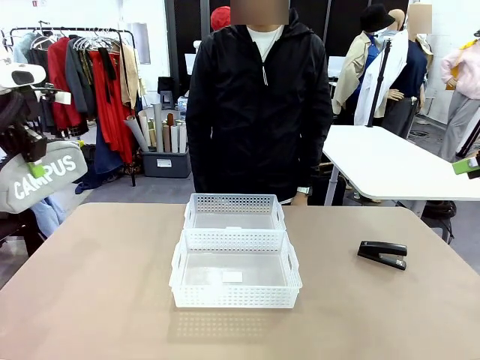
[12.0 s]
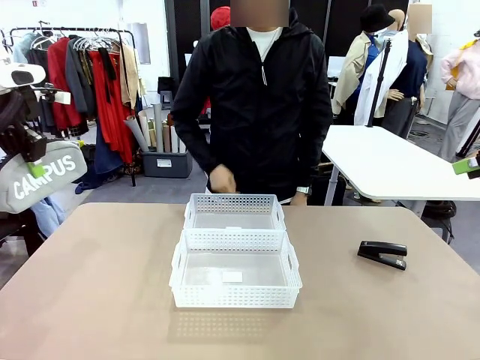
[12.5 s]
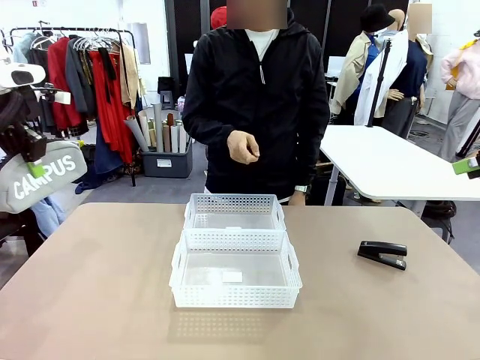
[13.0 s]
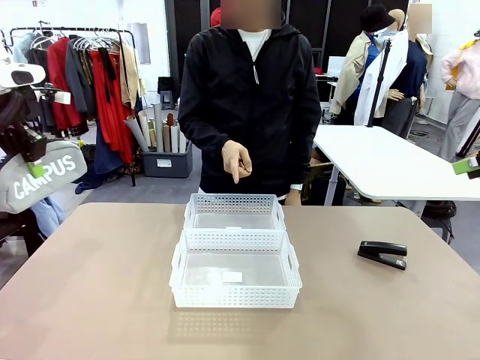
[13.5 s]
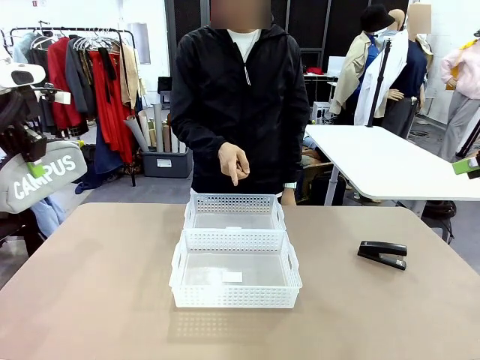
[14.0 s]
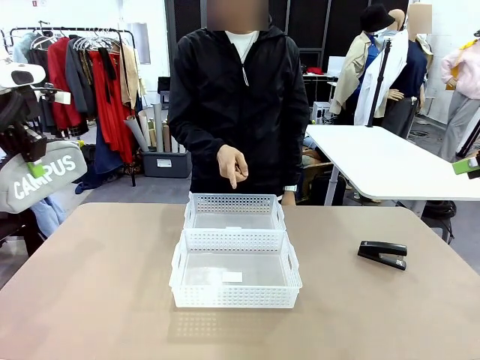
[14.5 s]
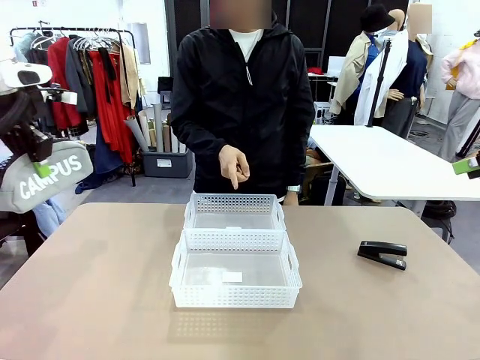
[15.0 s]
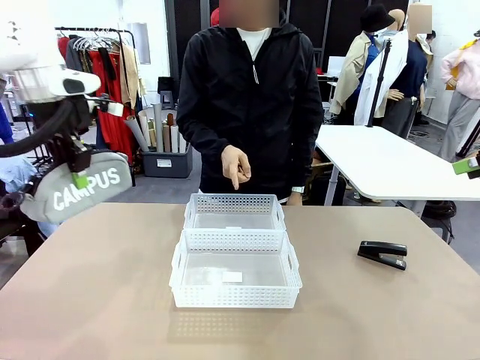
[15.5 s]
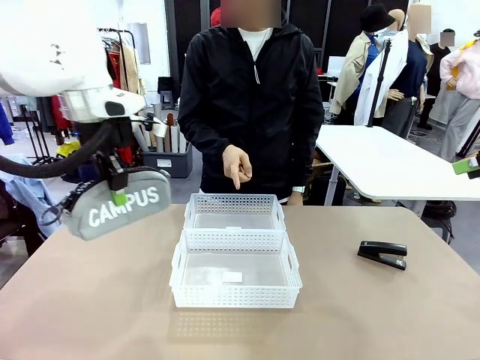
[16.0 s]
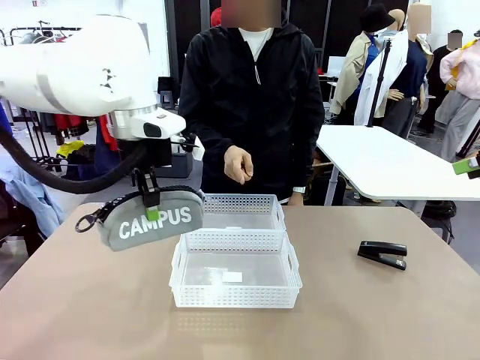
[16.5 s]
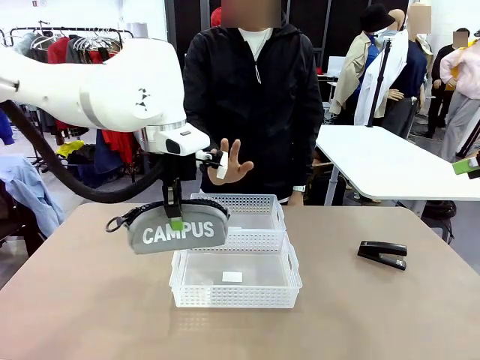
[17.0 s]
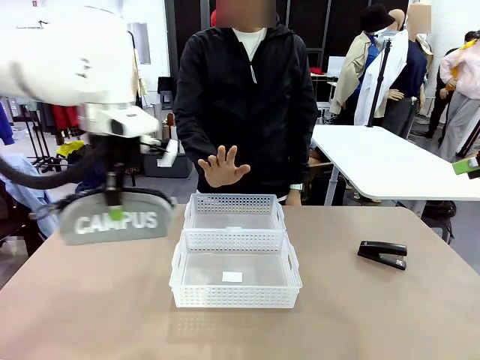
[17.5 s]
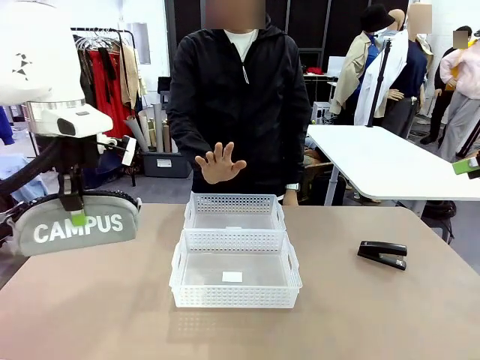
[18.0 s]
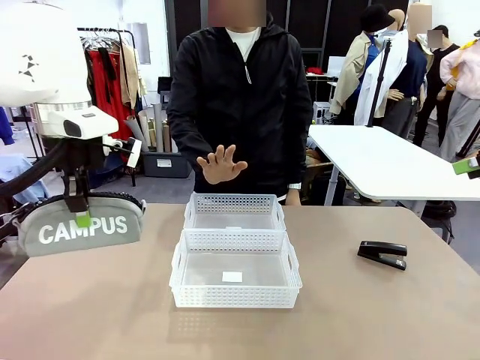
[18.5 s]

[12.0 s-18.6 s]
Task: Distribute items into two baskets.
Robot: Move the picked Pencil pouch towards the Organizing basket indicated by the person, stopping as directed.
Person: Sends a stop gesture before the robot places the pencil case into the basket.

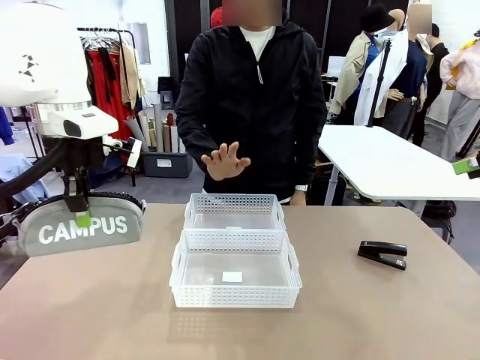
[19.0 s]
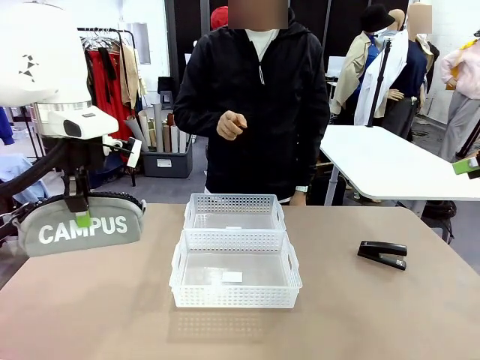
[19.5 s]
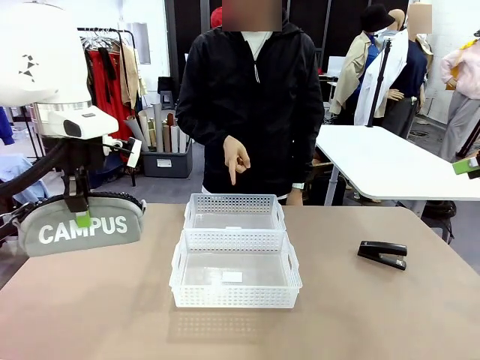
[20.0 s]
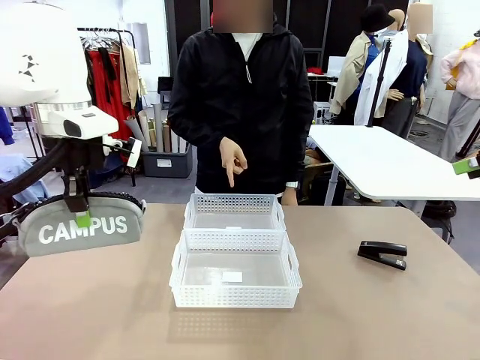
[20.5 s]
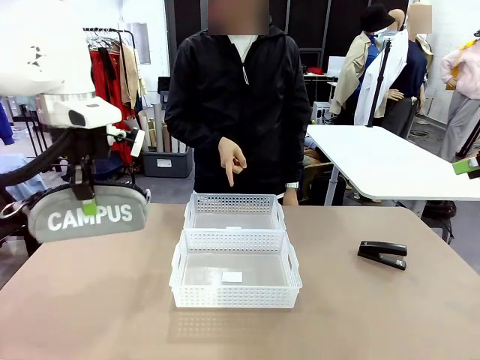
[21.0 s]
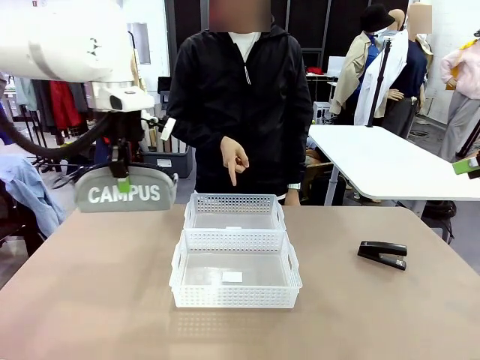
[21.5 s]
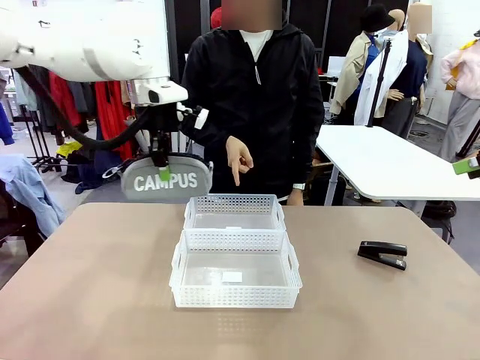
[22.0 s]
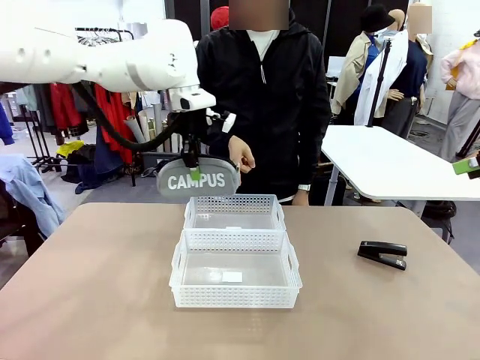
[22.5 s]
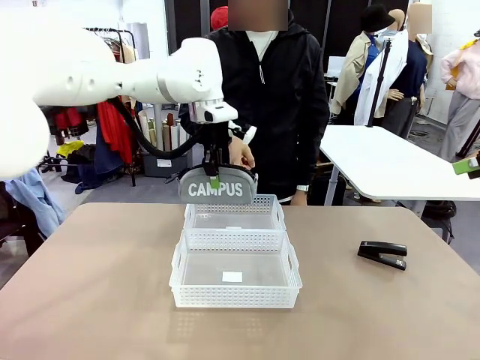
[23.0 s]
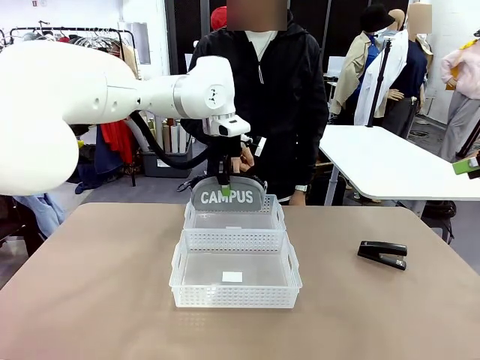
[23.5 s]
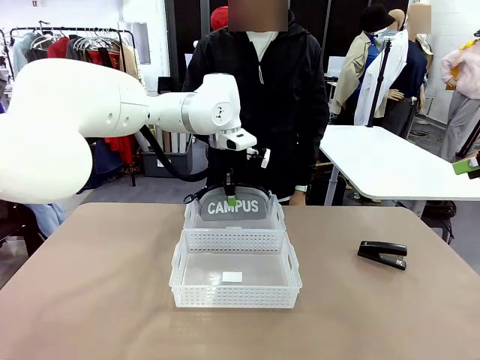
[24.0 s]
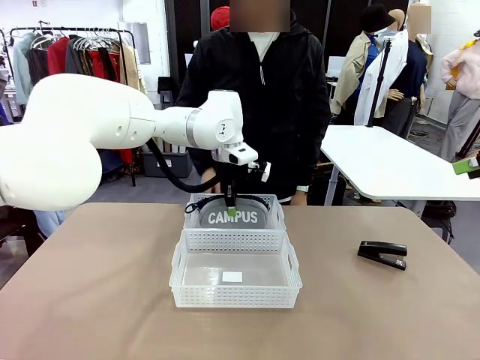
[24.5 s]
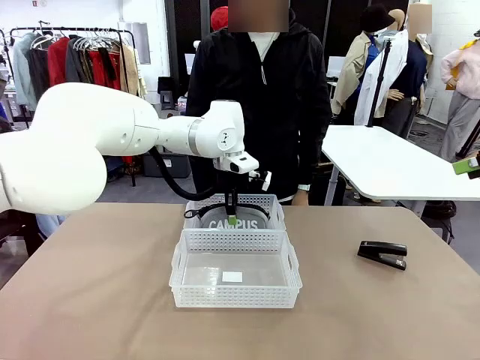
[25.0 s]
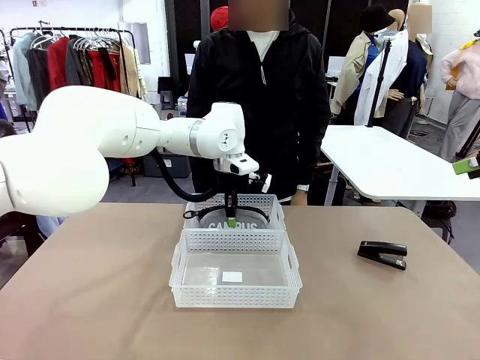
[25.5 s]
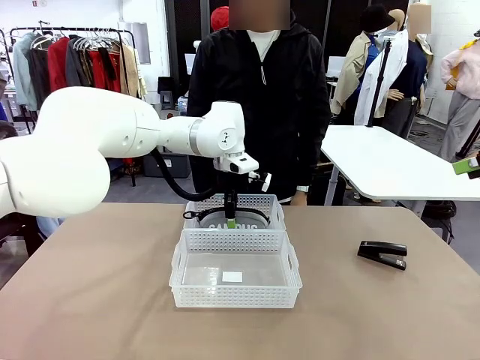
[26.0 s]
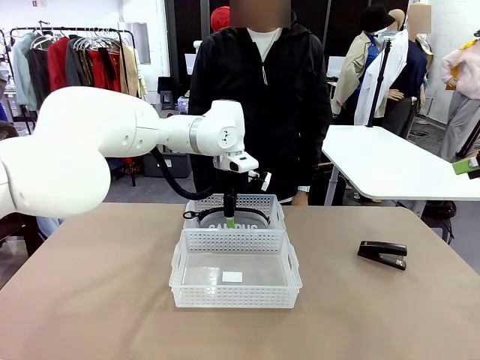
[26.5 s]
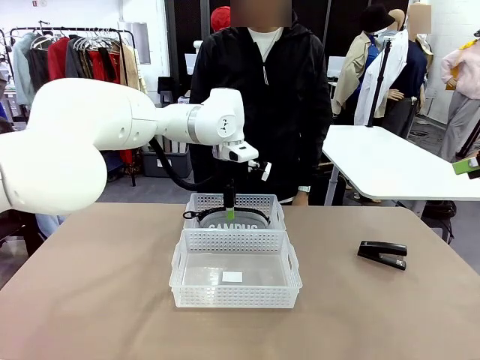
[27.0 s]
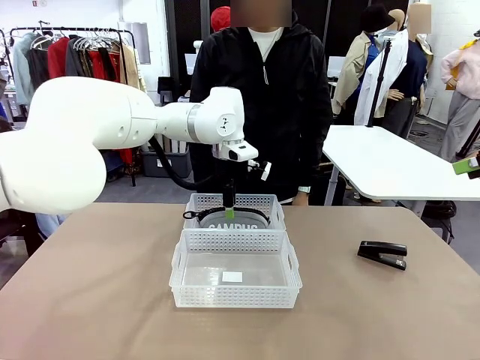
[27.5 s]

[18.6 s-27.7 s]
Robot: Place the picked Pencil pouch into the Organizing basket as instructed by the person.
Person: Instructs the robot to place the pencil case into the opposite basket. Points to the stapler.

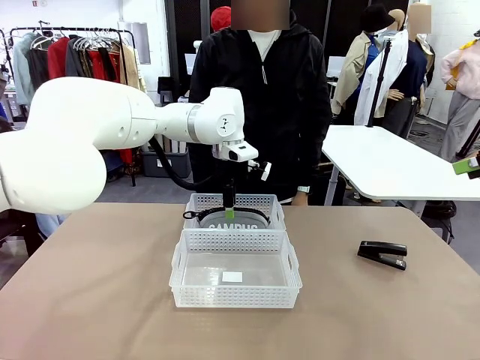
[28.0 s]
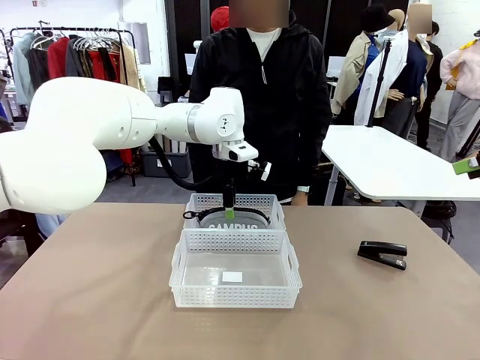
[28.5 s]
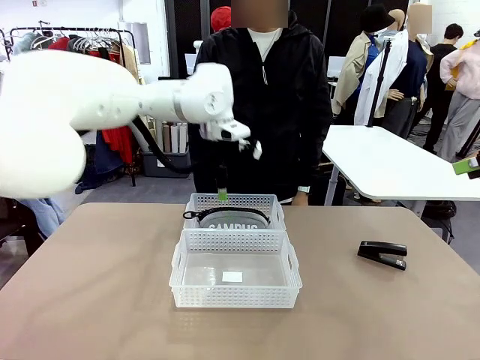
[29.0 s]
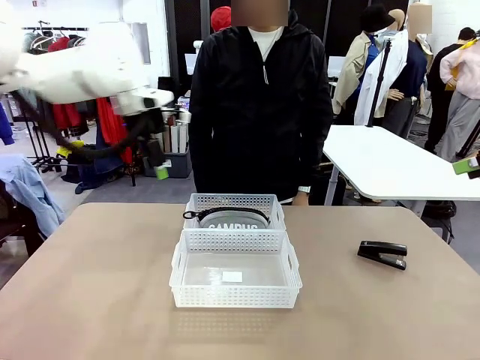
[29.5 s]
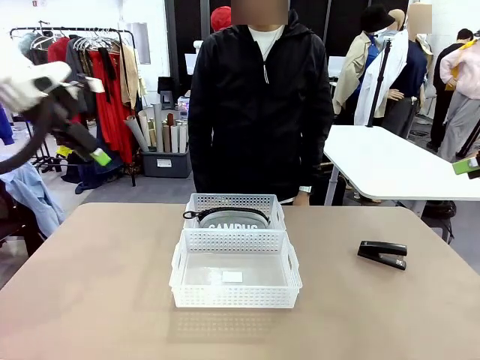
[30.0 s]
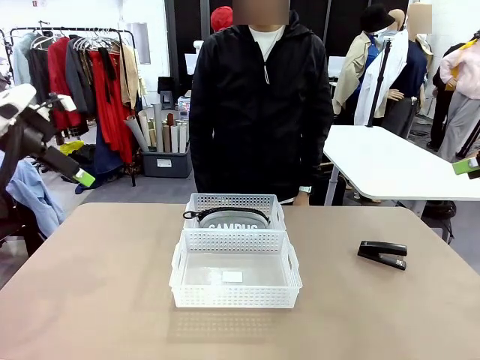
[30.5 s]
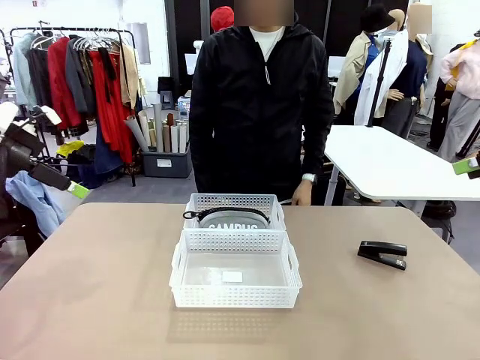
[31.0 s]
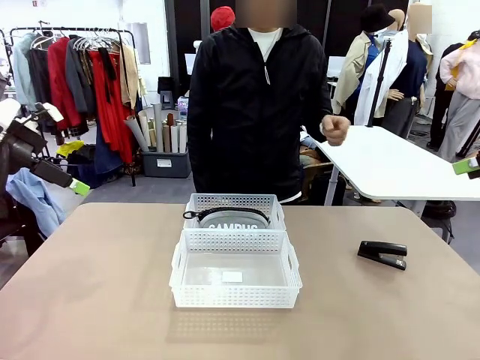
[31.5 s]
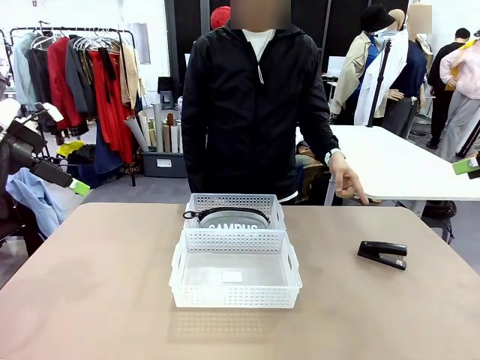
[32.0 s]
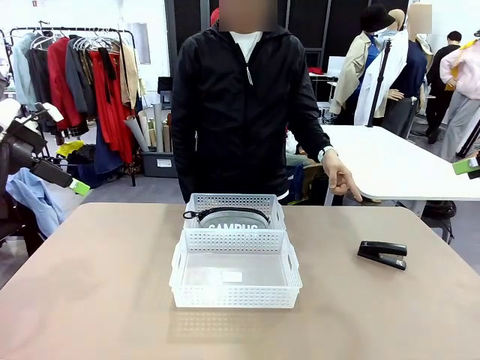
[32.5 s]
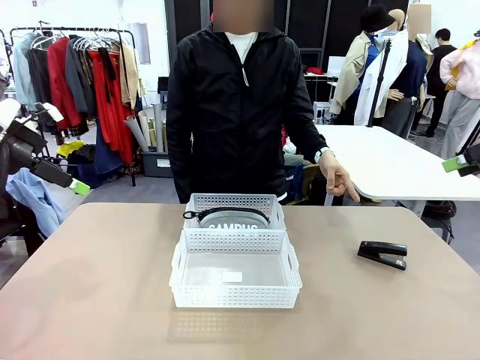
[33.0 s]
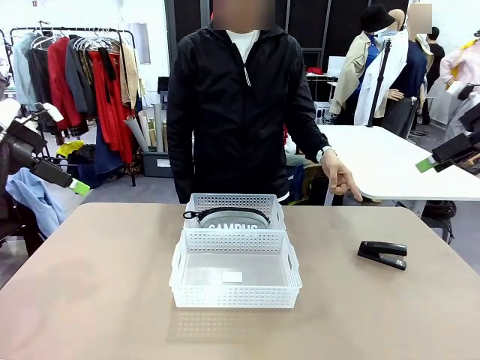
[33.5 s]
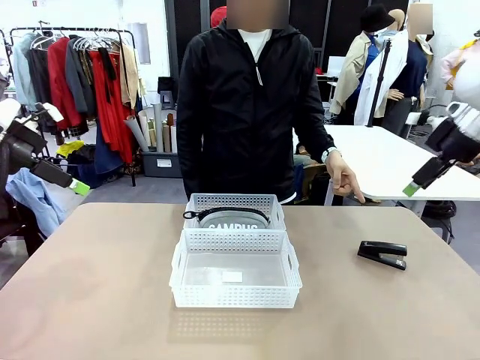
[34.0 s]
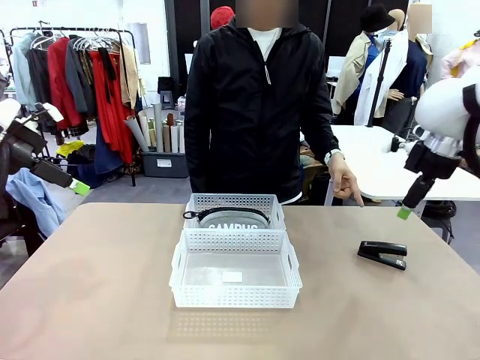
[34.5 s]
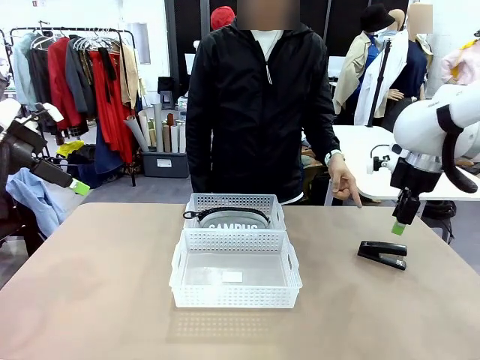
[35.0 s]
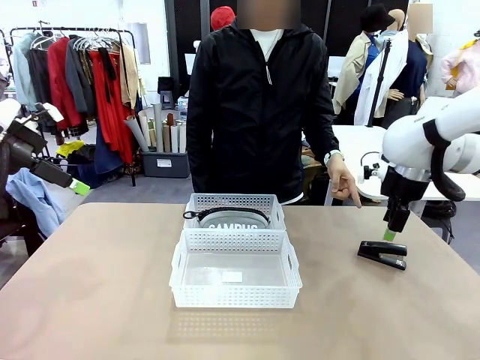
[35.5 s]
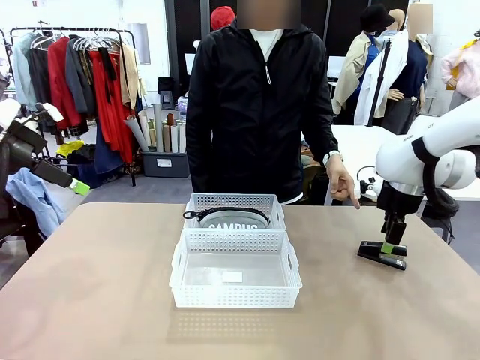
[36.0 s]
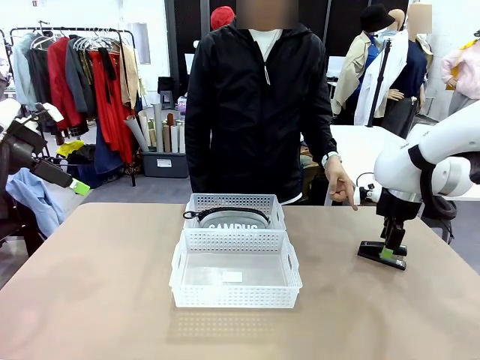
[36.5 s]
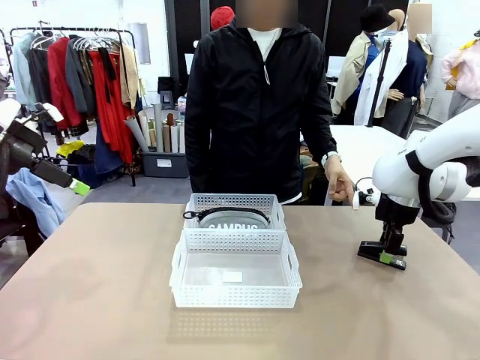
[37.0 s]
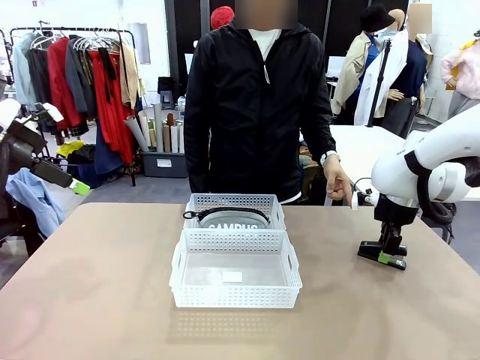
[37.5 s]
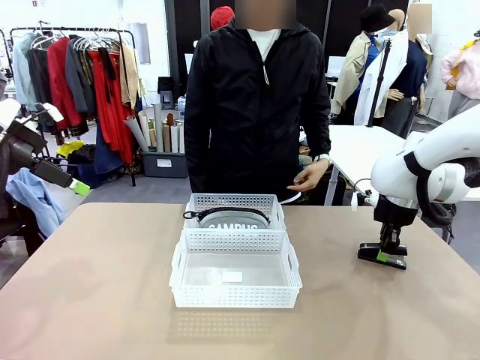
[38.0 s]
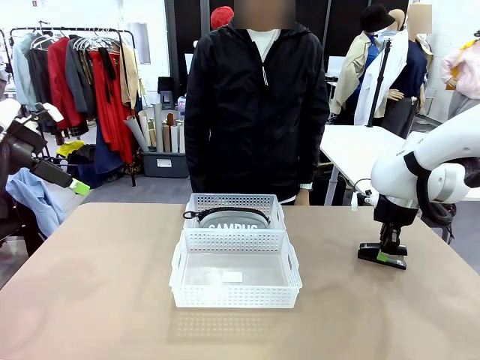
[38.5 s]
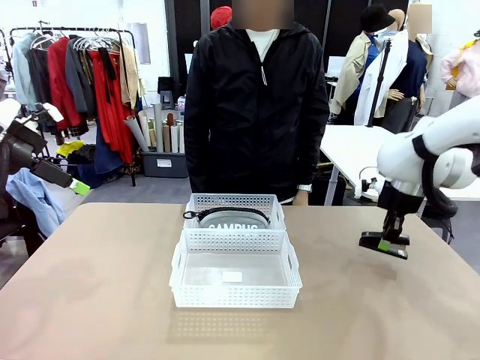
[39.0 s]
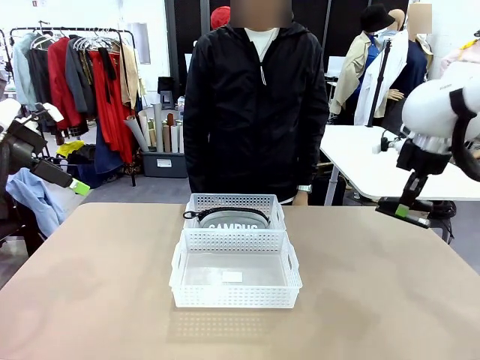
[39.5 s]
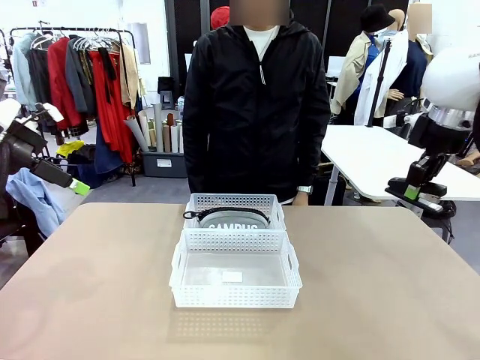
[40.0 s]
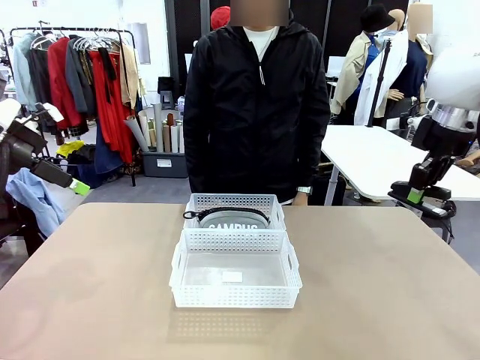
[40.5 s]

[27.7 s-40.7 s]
Robot: Pick up the Stapler that the person points to.
